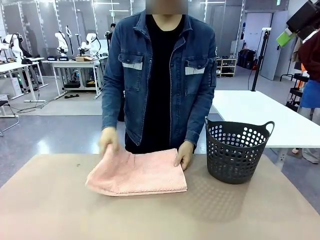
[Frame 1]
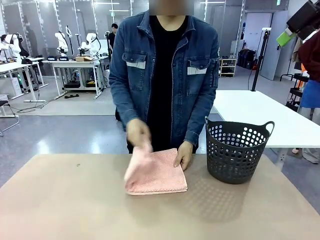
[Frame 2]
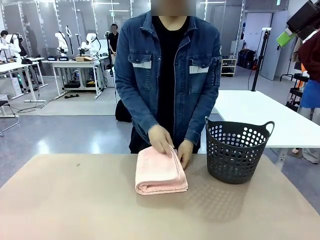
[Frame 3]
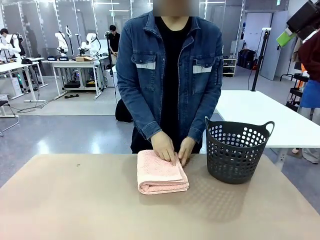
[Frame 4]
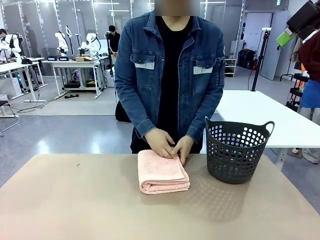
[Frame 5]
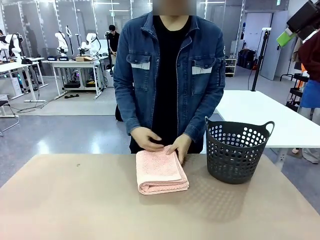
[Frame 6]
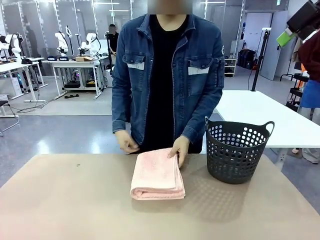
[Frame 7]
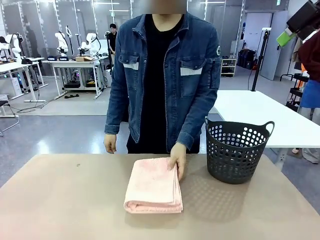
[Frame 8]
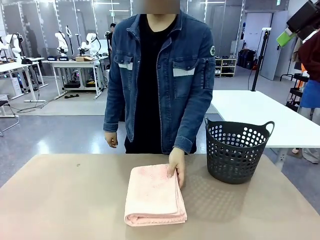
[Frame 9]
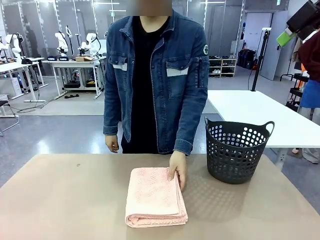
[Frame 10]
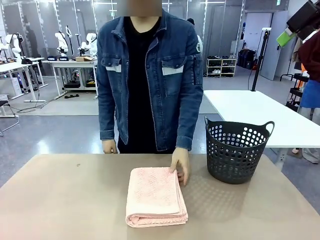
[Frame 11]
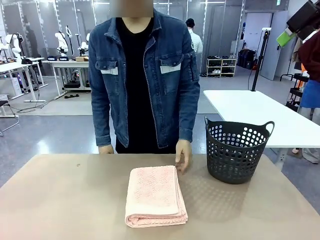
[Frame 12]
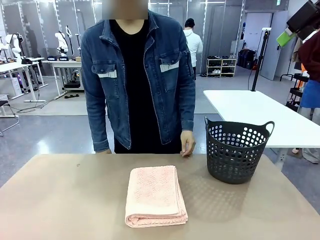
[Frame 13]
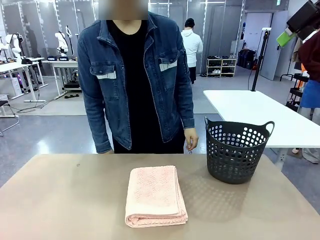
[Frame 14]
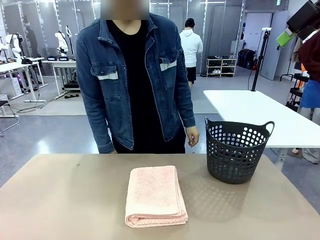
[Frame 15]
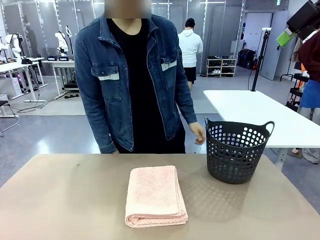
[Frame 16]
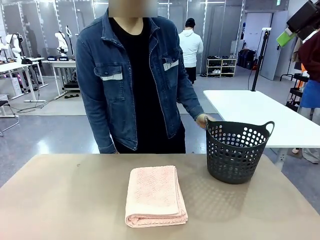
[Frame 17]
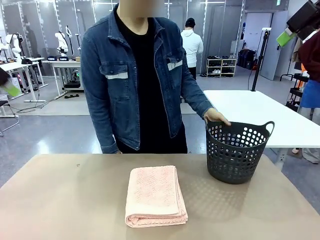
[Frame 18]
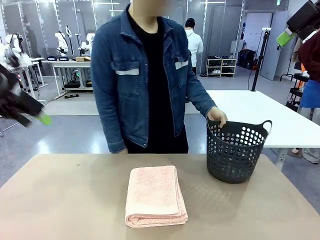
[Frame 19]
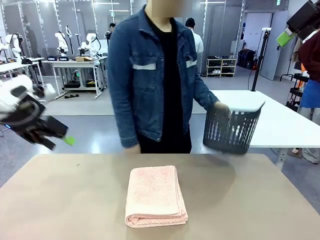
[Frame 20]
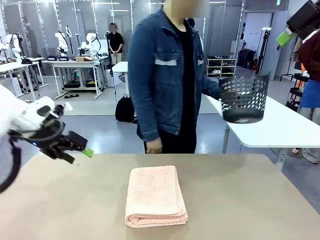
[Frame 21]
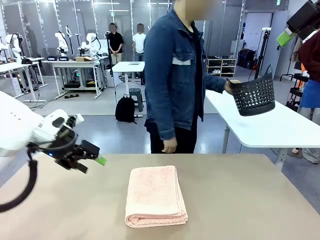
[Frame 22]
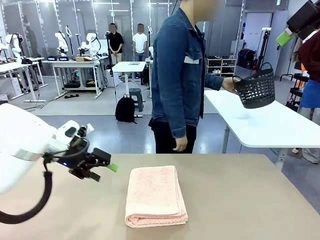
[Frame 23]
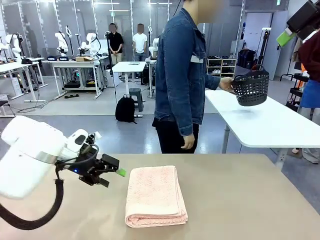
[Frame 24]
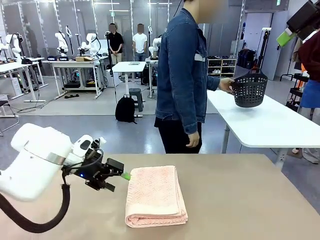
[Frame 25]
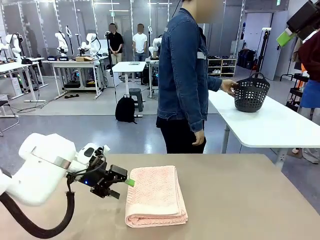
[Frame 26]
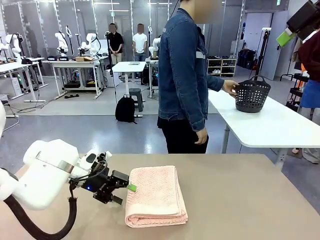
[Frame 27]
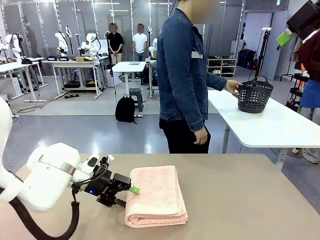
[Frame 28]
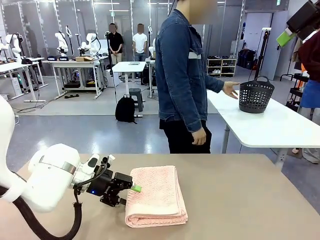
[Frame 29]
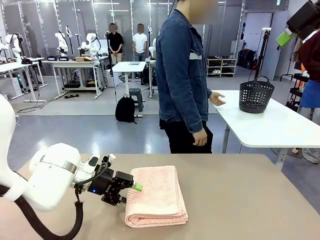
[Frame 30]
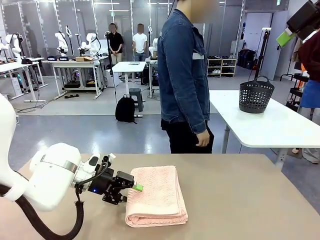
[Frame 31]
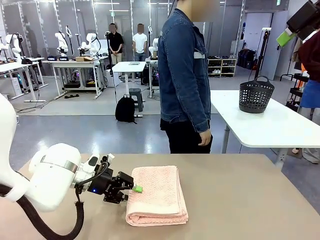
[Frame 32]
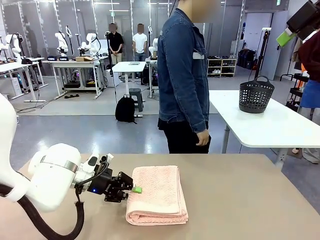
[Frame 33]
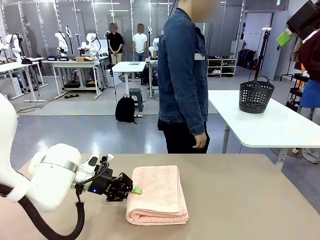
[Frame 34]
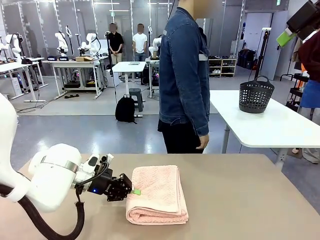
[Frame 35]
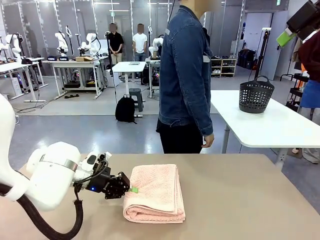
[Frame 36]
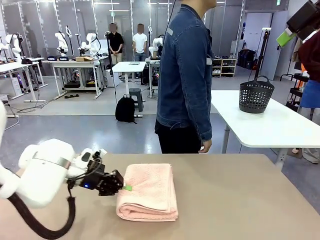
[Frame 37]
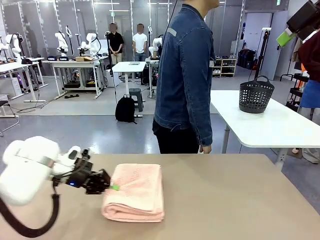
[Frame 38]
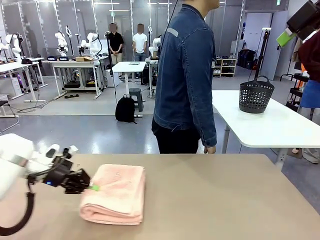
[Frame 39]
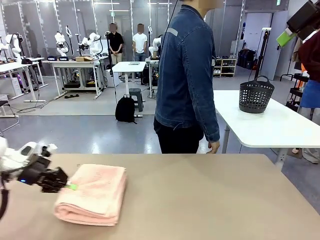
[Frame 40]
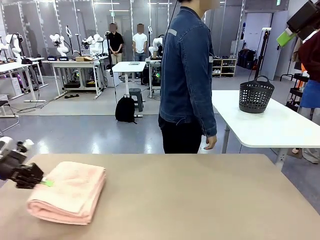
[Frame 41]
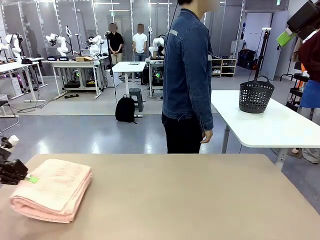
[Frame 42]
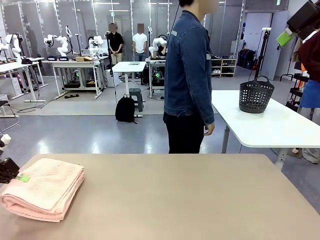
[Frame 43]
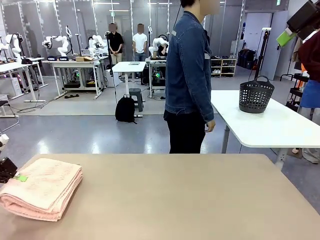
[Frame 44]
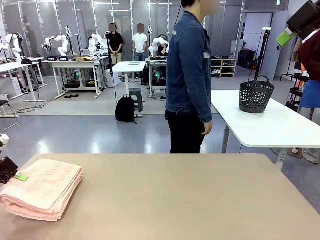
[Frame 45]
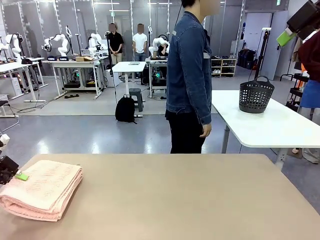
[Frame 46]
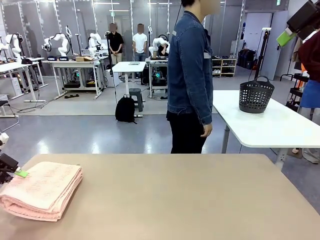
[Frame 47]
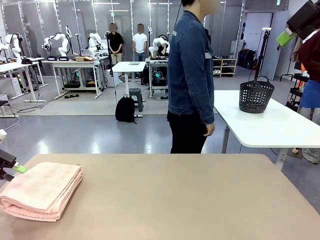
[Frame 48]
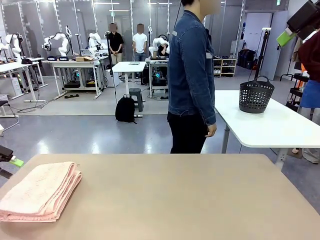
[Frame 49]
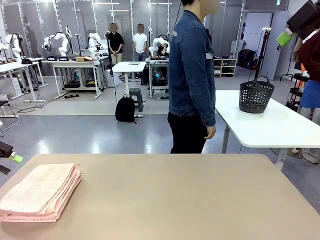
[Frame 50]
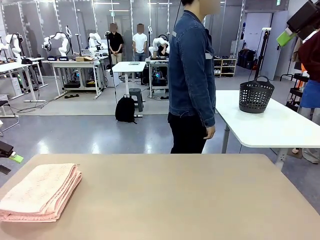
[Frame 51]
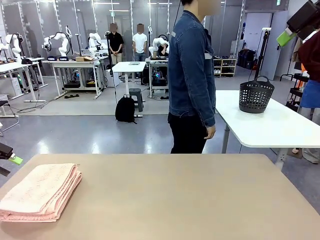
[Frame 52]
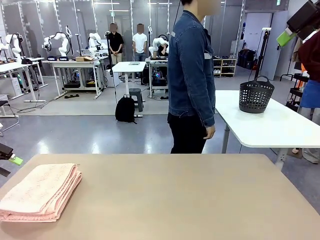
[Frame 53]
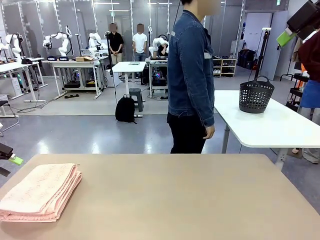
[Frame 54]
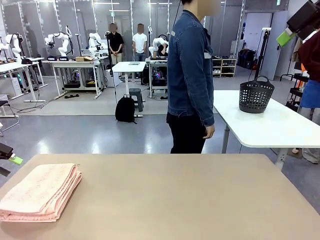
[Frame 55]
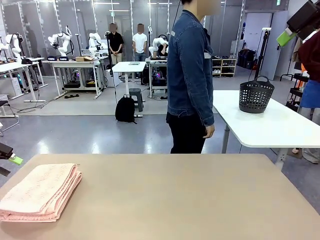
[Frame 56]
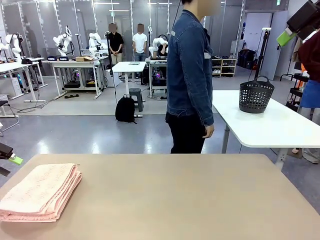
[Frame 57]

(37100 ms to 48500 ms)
Task: Fold the towel.
Robot: Pick up the 100 cm Hotel Towel and place it on the left side of the table.
Person: Pick up the laundry basket and place it at the center of the human table.

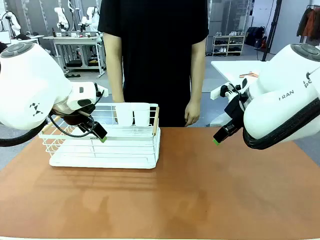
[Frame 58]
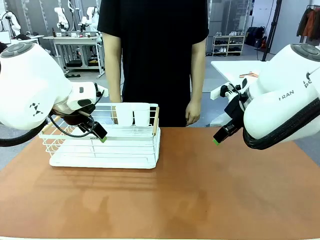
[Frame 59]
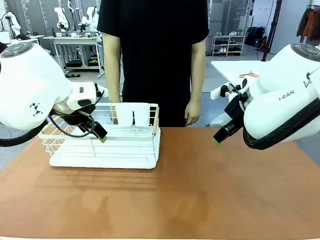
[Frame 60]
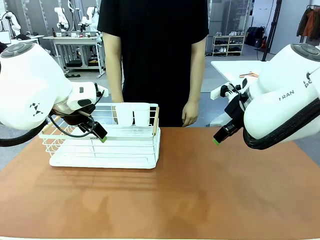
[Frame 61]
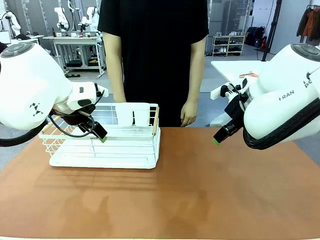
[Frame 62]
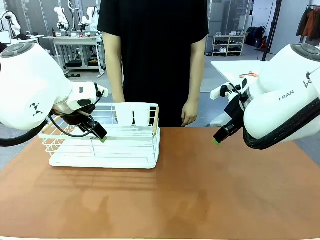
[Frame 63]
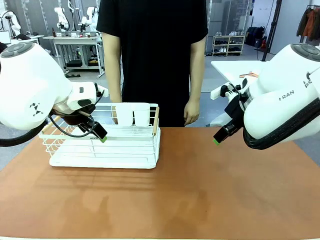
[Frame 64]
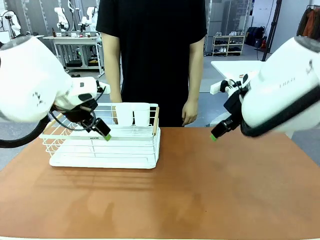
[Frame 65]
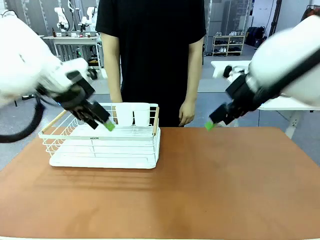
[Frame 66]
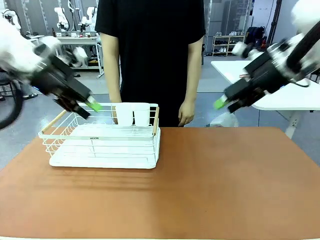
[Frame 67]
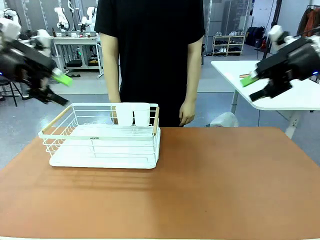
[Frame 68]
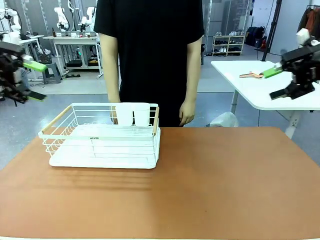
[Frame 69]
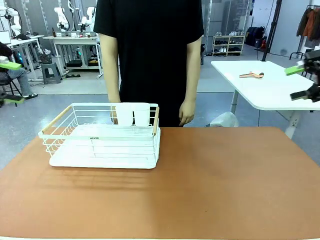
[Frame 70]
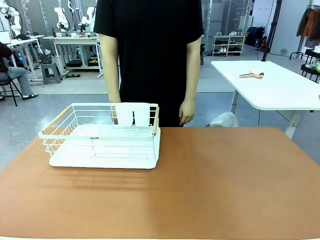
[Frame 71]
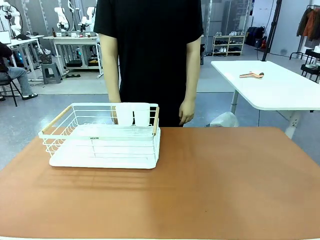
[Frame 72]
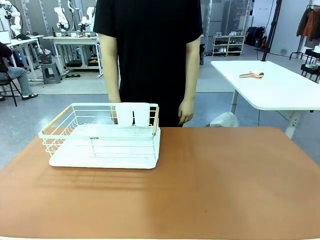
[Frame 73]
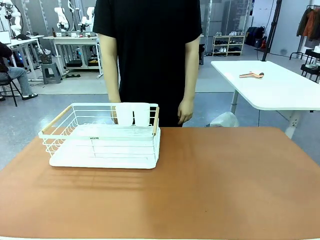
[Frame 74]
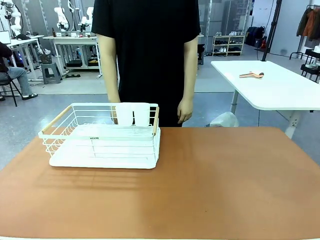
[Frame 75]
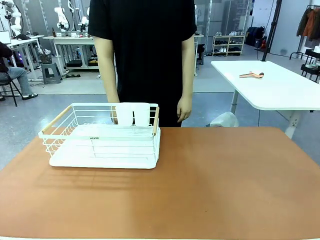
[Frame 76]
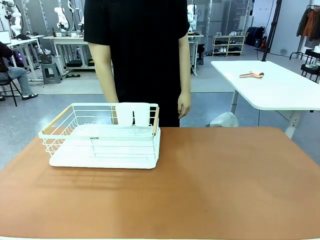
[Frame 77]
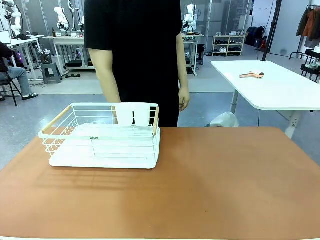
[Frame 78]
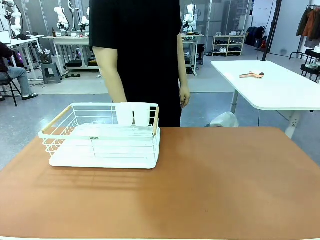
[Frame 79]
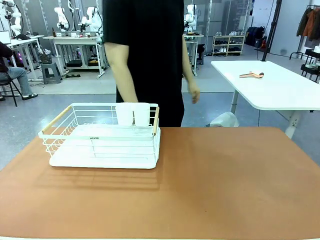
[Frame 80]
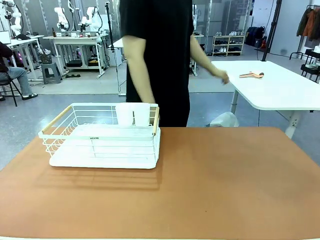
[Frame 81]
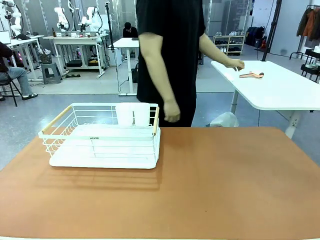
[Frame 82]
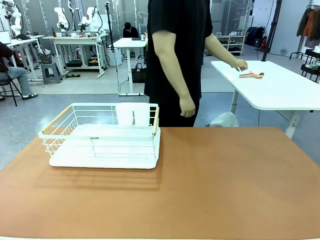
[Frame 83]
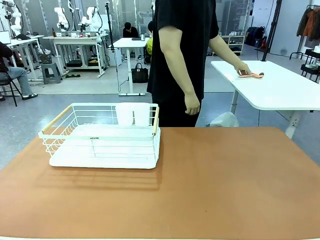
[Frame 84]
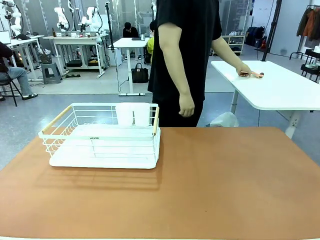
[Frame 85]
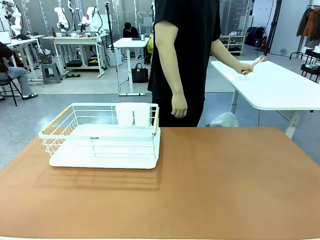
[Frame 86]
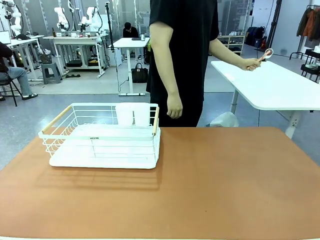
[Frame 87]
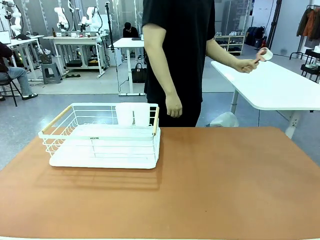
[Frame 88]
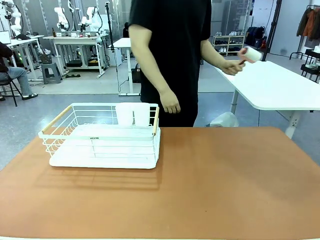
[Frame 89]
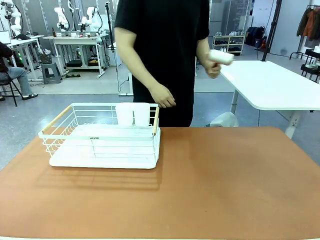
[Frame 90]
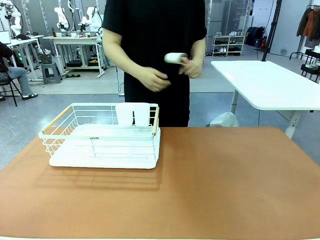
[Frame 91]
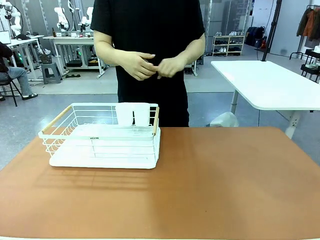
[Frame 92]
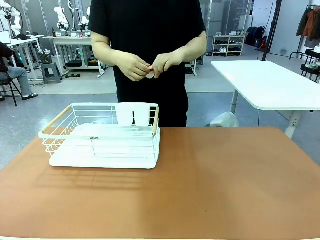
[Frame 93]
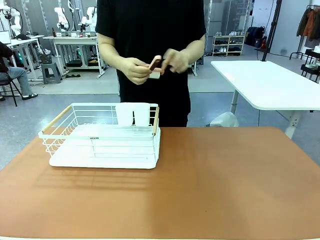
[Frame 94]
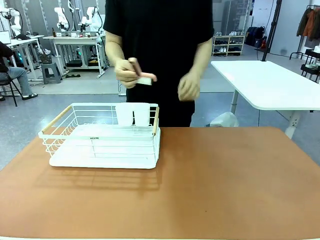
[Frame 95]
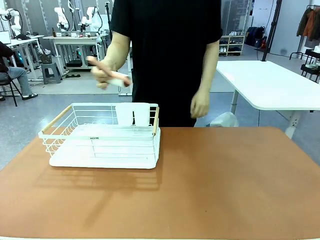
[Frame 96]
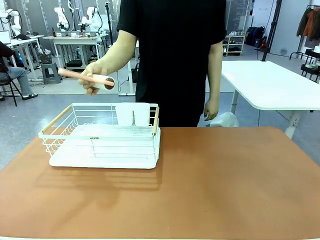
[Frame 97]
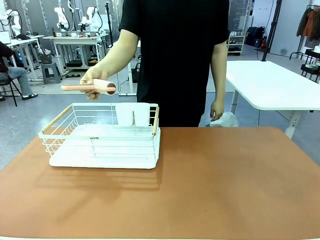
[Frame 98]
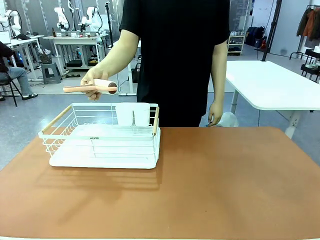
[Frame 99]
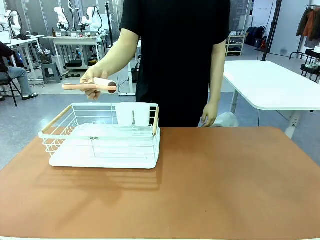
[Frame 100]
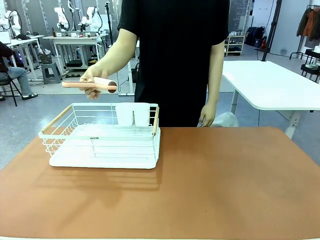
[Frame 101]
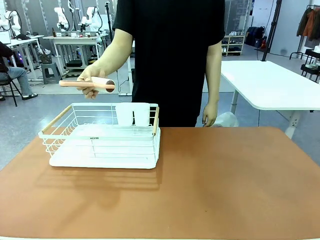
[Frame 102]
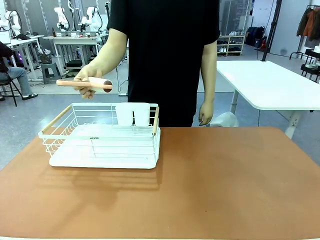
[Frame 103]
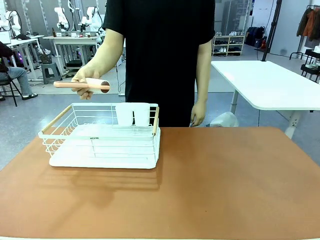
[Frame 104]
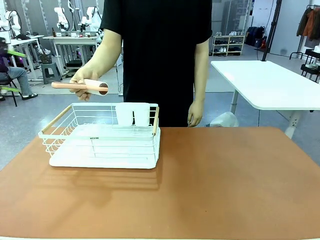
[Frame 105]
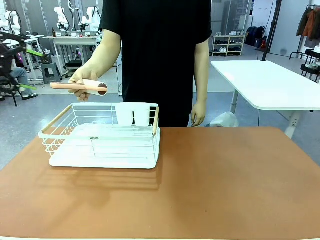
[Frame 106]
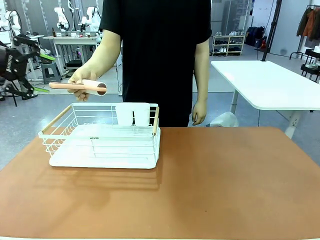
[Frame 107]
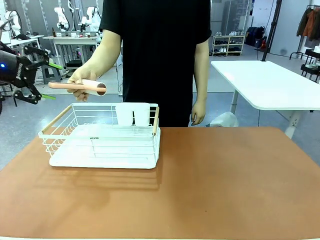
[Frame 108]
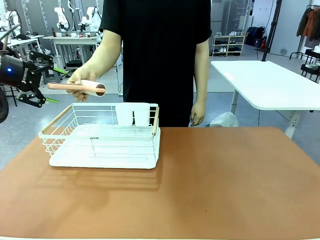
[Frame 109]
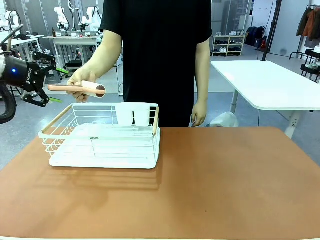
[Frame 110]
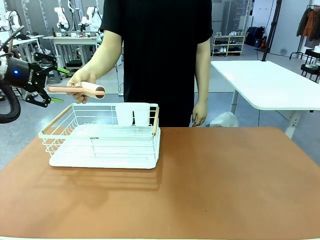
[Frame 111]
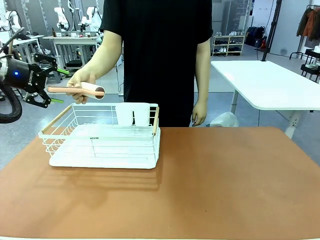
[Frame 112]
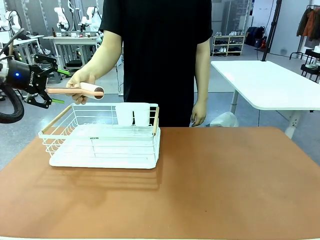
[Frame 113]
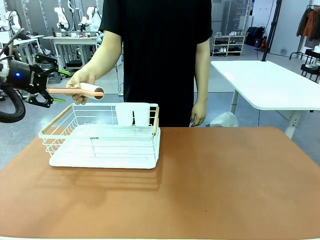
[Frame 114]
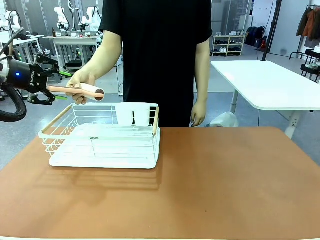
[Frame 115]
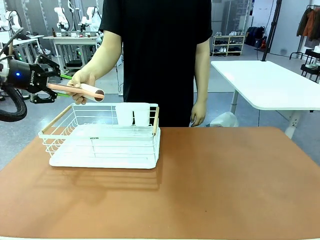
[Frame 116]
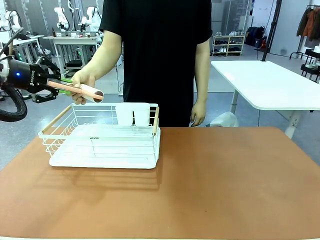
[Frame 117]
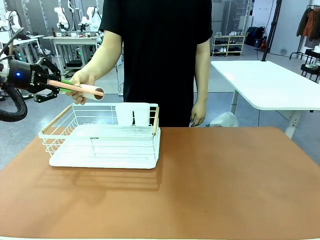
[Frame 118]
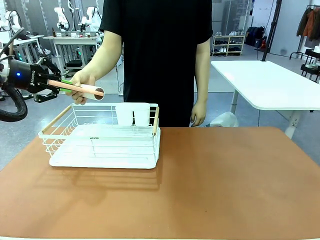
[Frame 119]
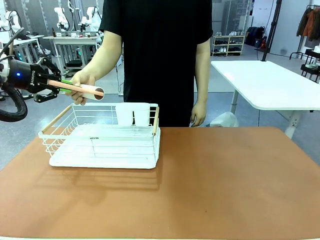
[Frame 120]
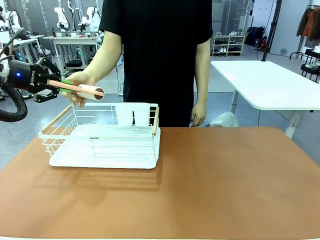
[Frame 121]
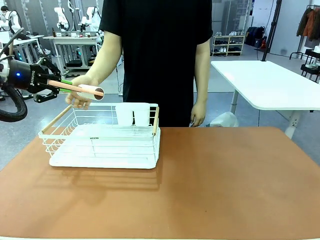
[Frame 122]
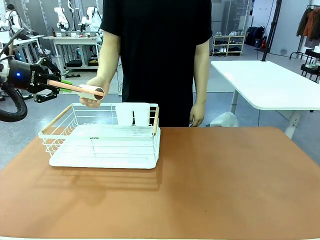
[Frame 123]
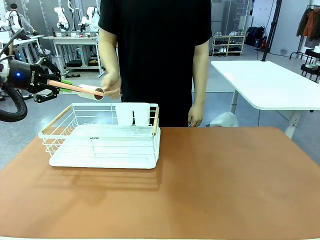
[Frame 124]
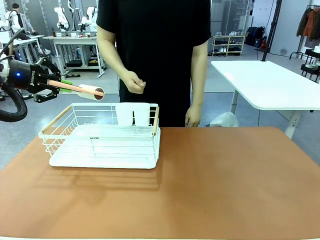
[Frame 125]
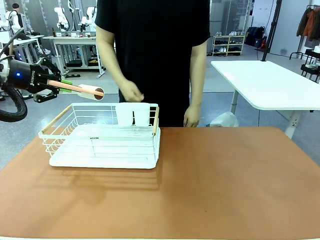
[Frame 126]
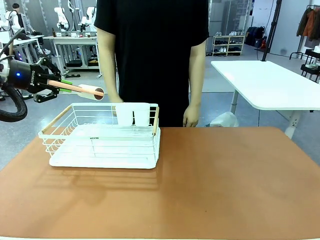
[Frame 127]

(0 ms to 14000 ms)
Task: Clean the table.
Robot: Pick up the Lint Roller when the human hands it over.
Person: Hand the Lint Roller to the robot so it can easily pick it up. Lift the Dish drying rack.
